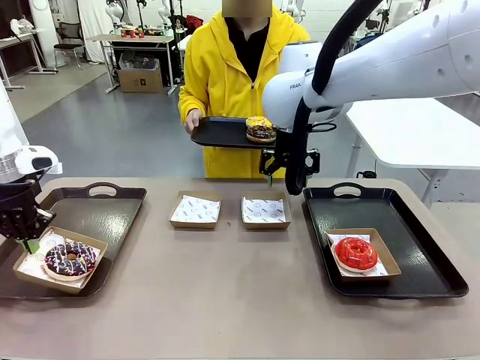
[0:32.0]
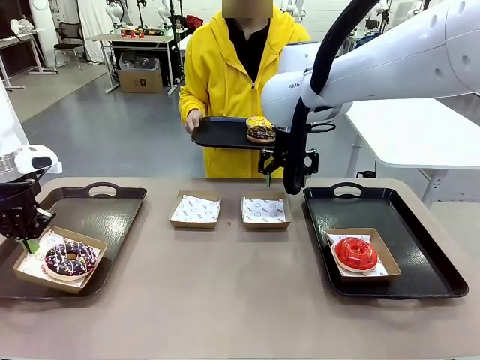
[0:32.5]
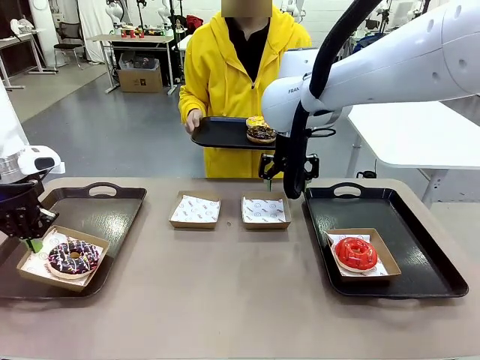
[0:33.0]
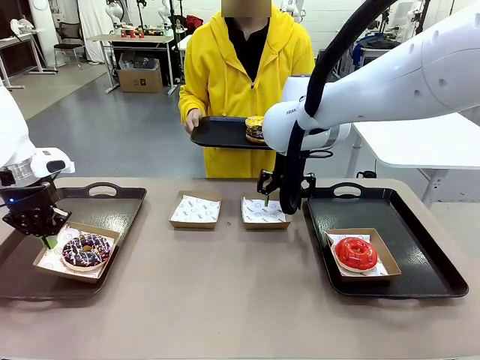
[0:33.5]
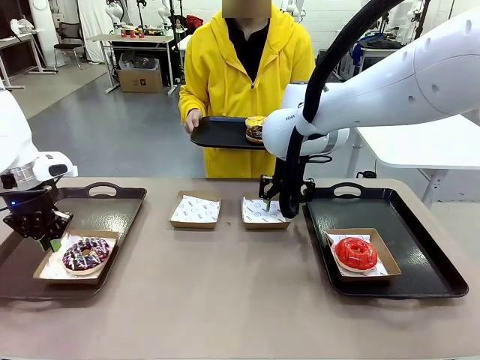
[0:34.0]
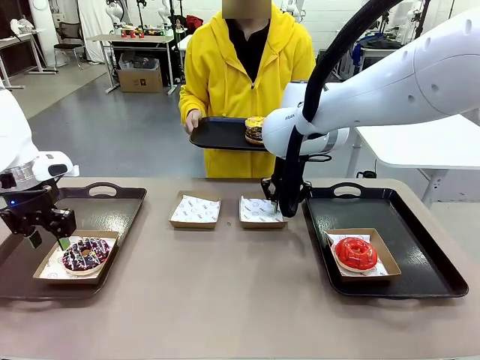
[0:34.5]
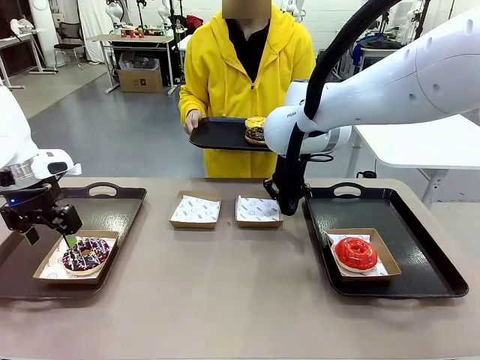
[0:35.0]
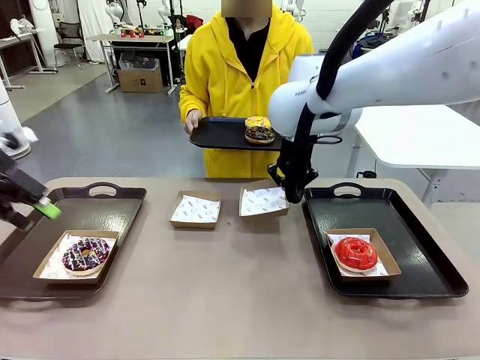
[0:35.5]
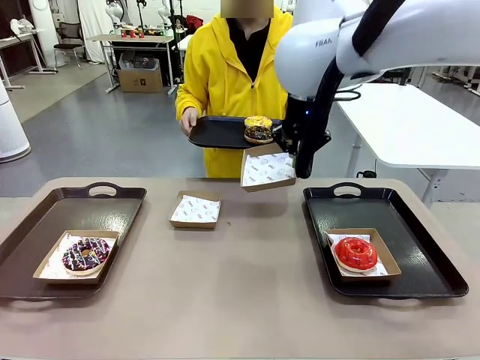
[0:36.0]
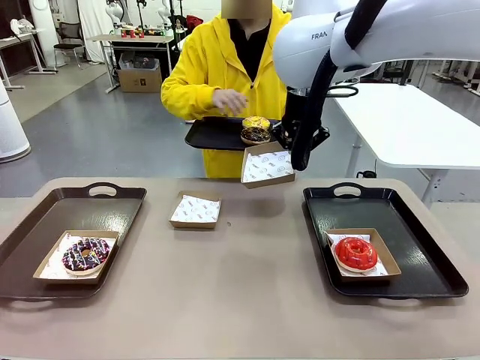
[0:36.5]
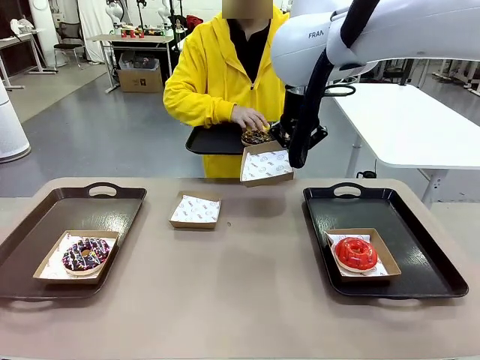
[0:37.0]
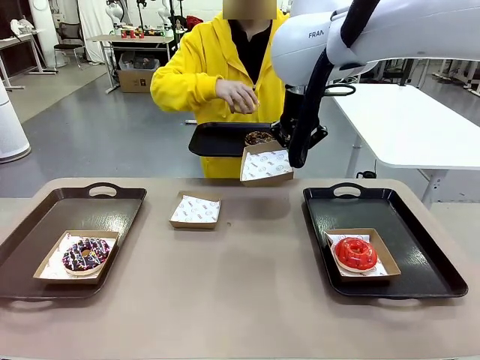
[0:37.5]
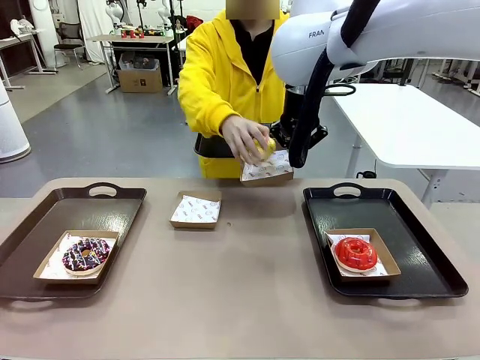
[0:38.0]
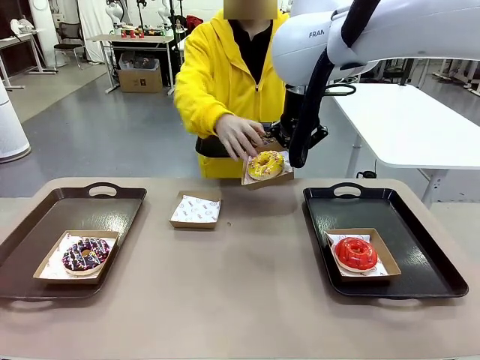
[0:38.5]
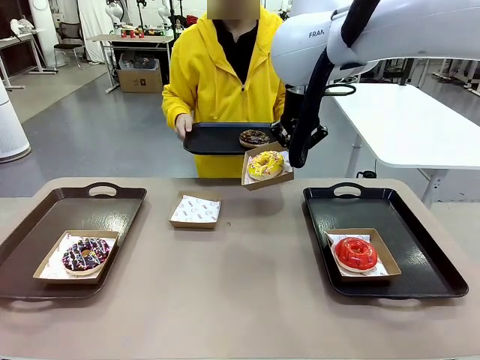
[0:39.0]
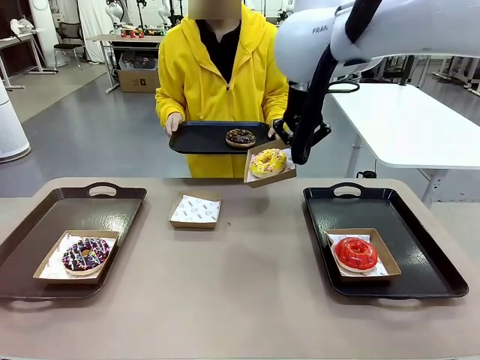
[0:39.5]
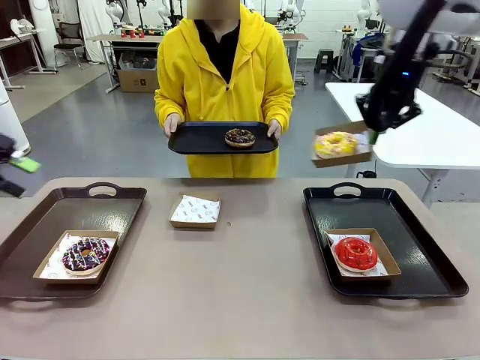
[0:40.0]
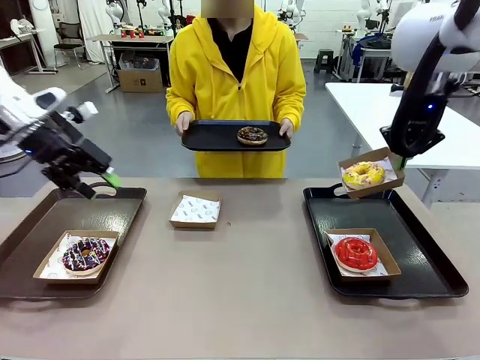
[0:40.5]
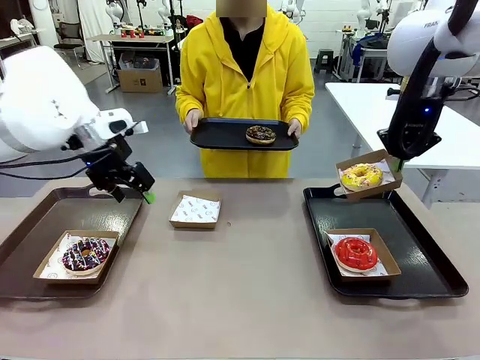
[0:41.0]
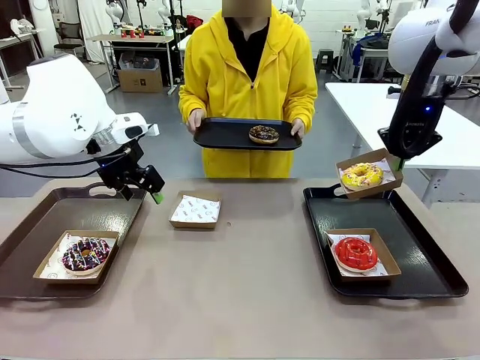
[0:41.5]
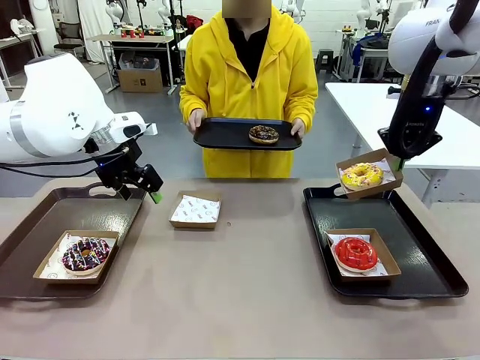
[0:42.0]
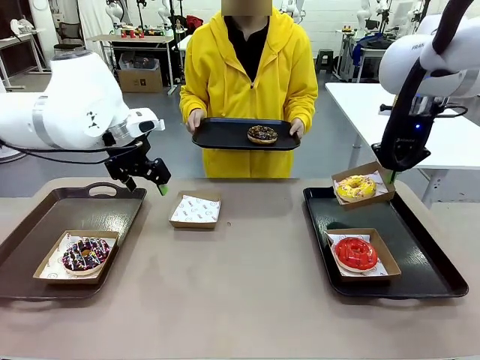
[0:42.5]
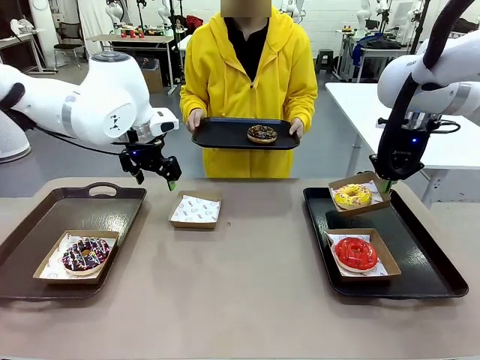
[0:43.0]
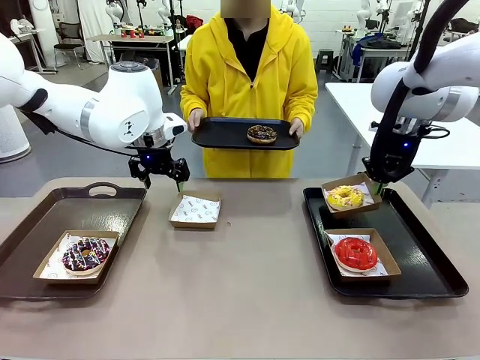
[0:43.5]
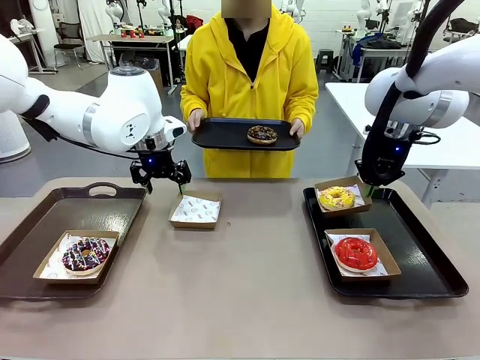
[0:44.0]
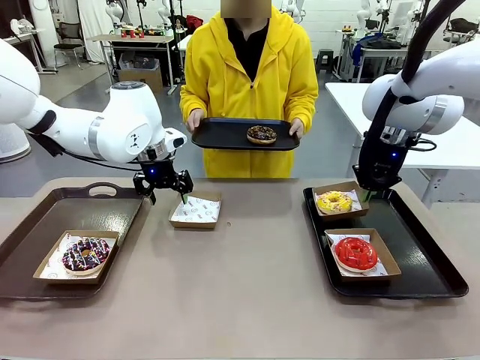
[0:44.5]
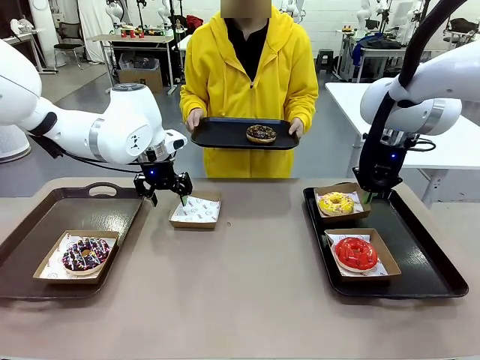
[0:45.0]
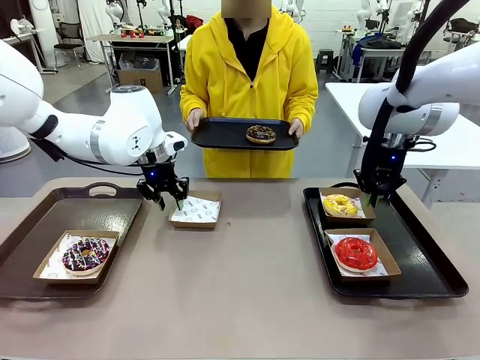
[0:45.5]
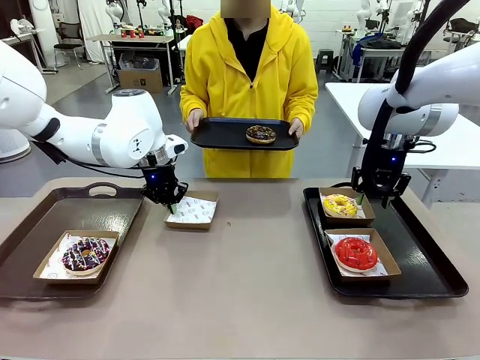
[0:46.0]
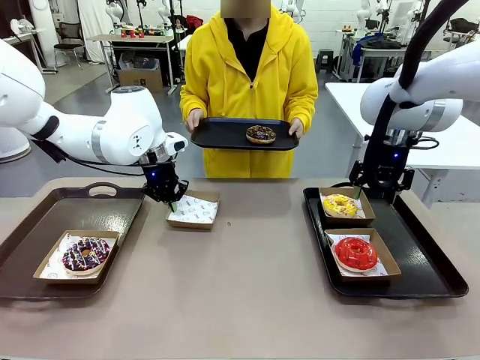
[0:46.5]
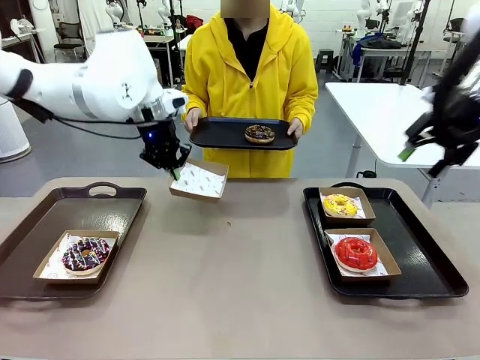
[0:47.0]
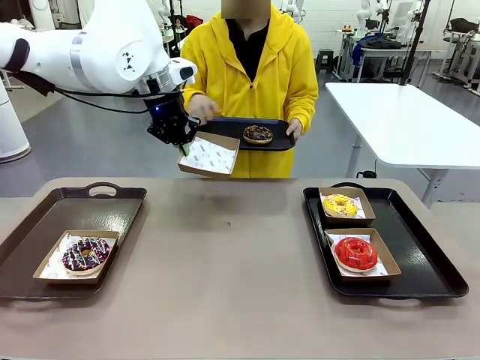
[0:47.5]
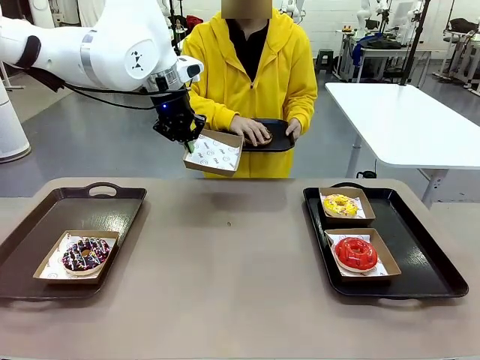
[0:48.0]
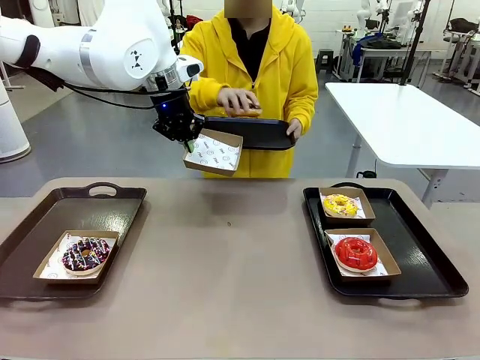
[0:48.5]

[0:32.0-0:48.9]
Task: Individually package the donuts and arrange them on the tray.
Robot: Place the picked Paper togo box on the Handle tray while simultaneously picking up another Paper togo box from the table with the other hand.

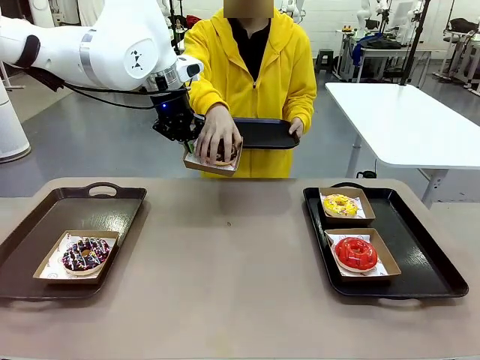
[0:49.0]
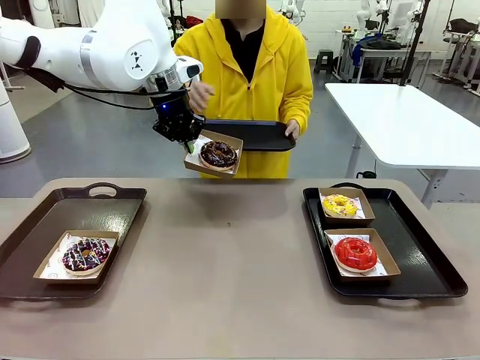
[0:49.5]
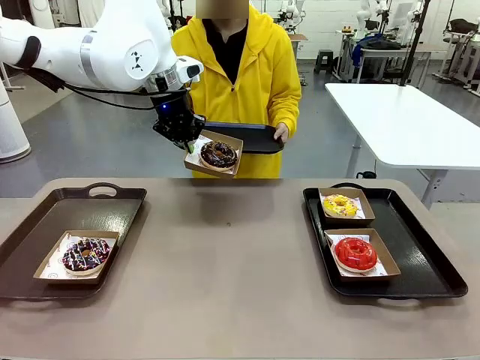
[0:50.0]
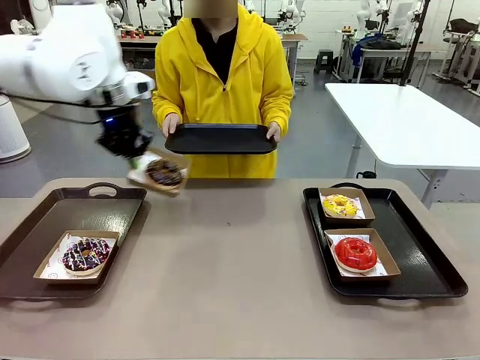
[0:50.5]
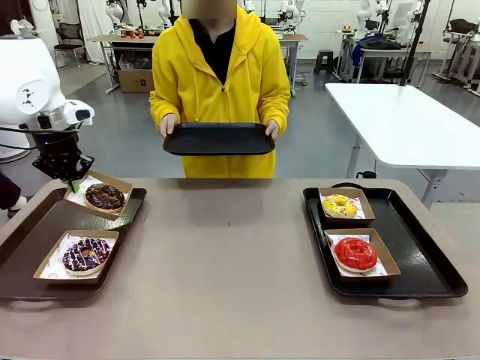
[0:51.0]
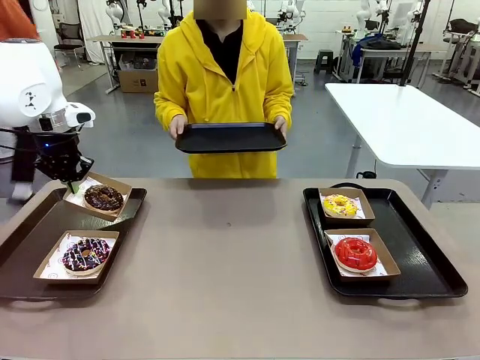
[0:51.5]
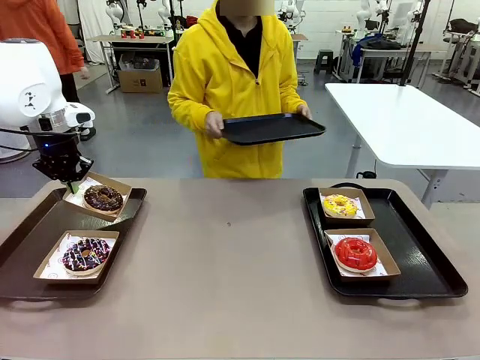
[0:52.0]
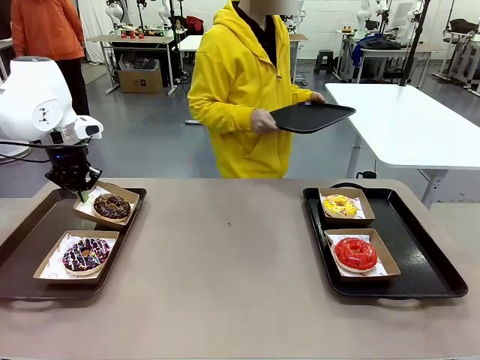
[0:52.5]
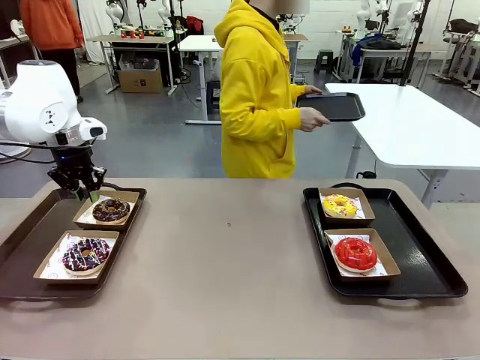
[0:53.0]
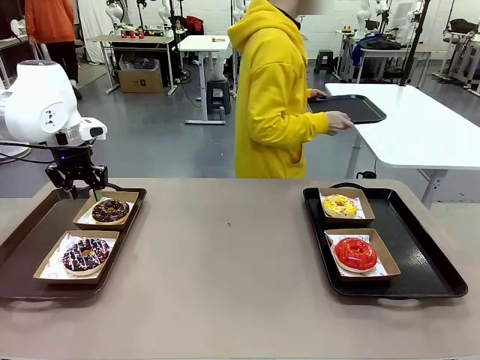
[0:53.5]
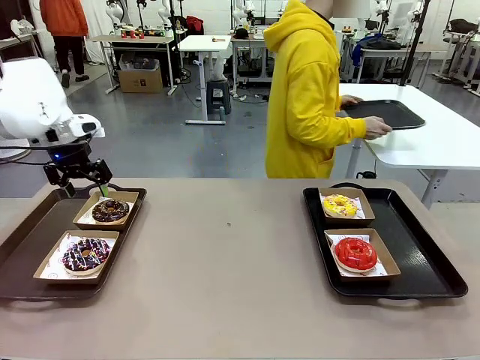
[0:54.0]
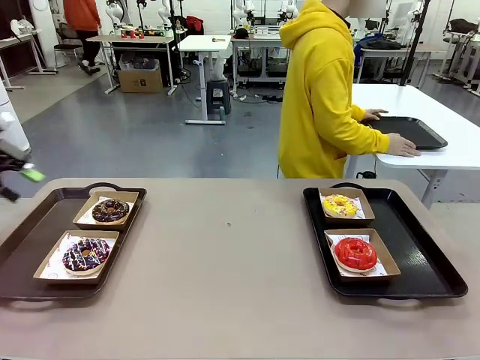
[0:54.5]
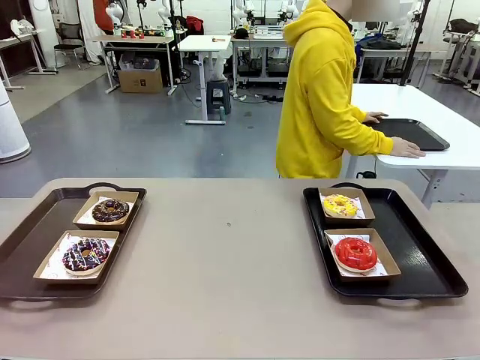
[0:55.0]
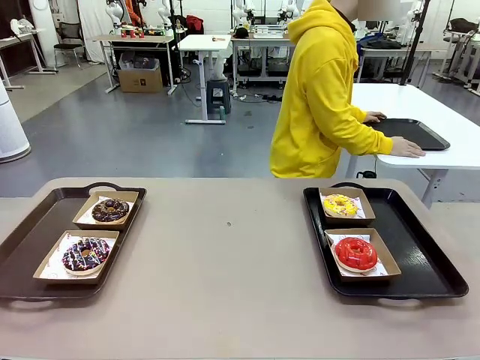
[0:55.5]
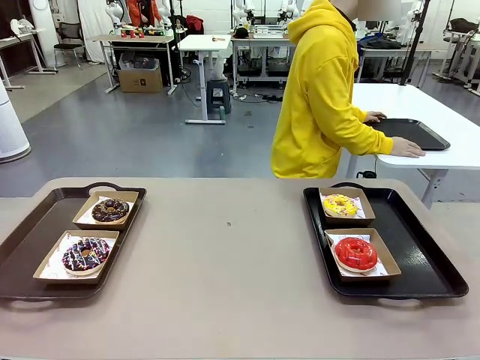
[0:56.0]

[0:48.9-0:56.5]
Robot: Place the picked Paper togo box on the Handle tray.
Person: Place the tray down in the middle of the human table.
